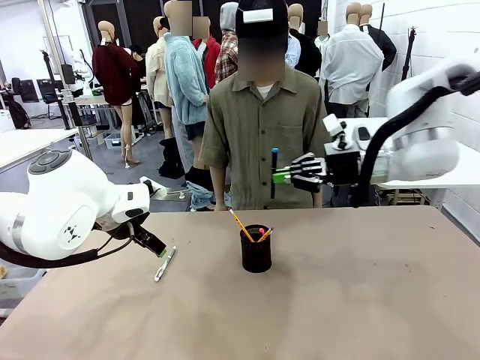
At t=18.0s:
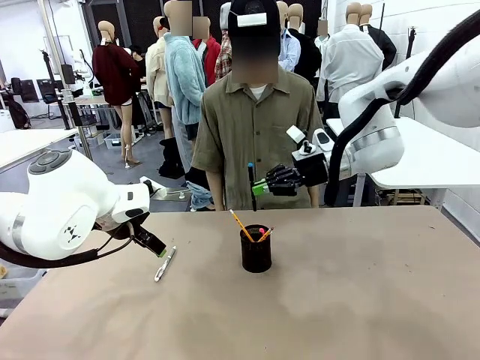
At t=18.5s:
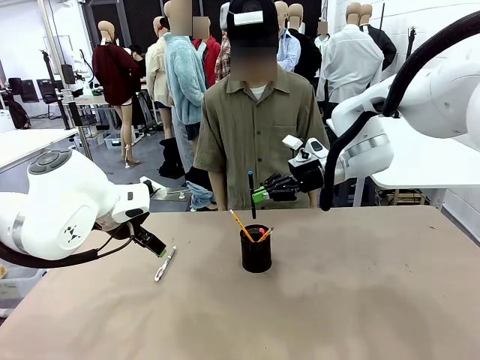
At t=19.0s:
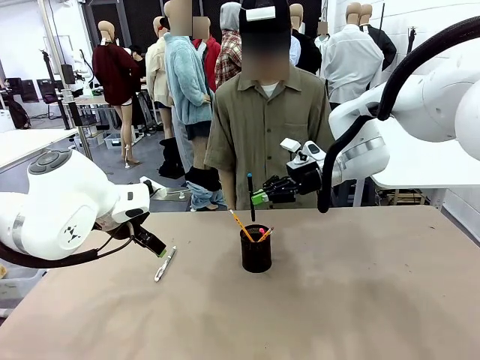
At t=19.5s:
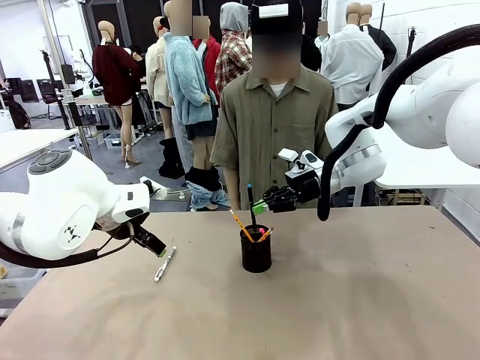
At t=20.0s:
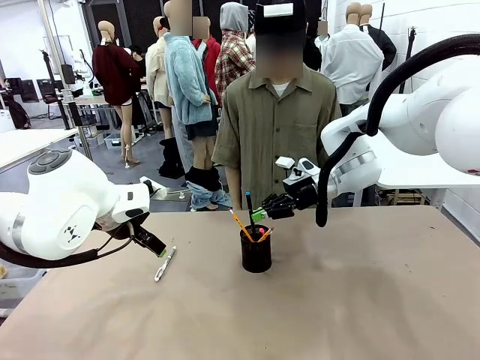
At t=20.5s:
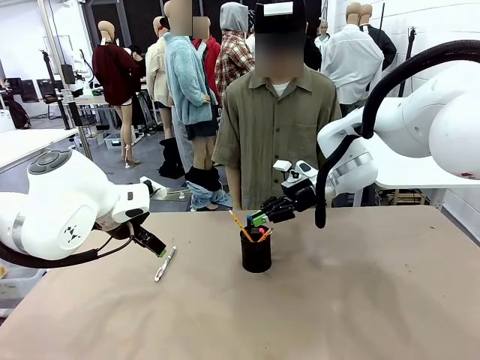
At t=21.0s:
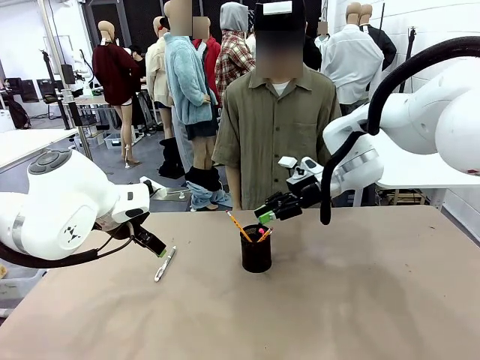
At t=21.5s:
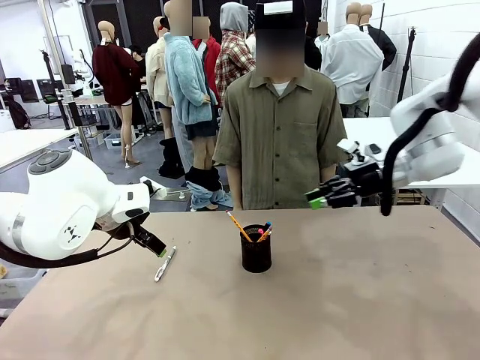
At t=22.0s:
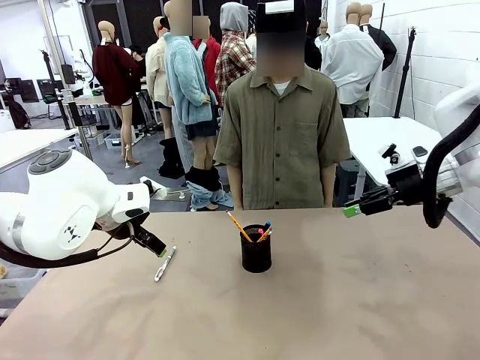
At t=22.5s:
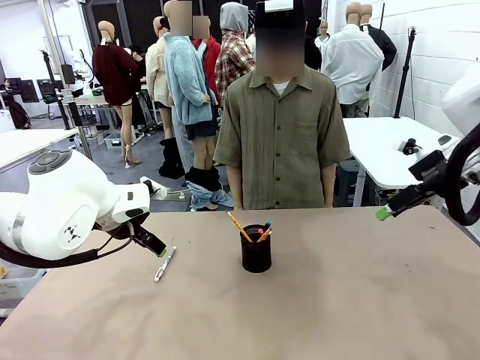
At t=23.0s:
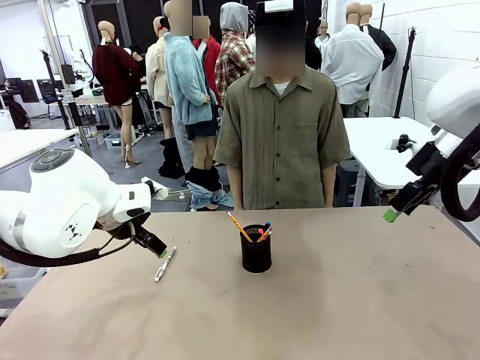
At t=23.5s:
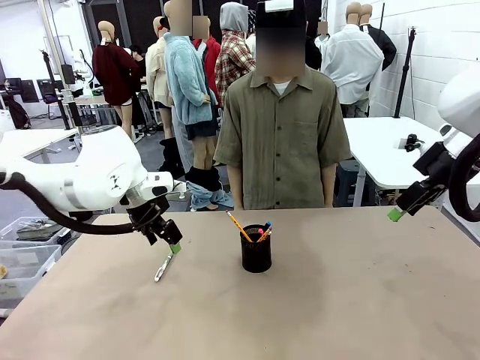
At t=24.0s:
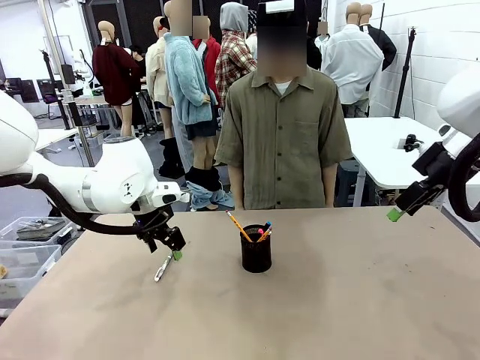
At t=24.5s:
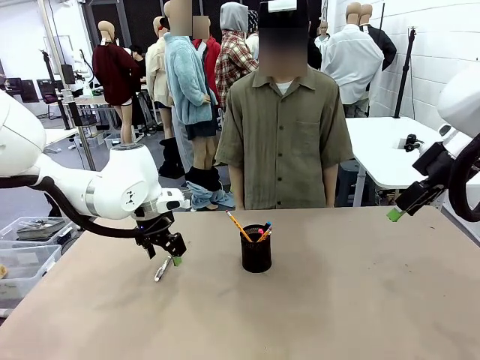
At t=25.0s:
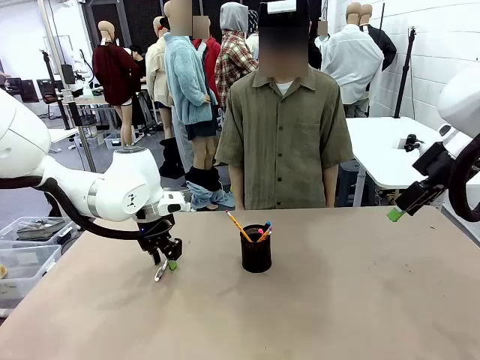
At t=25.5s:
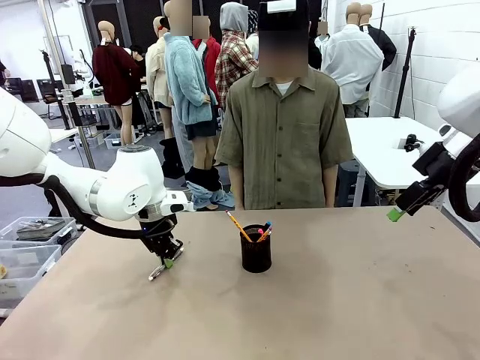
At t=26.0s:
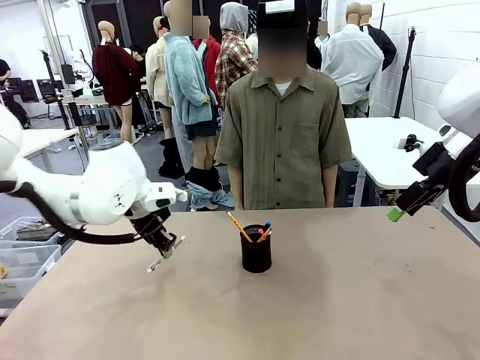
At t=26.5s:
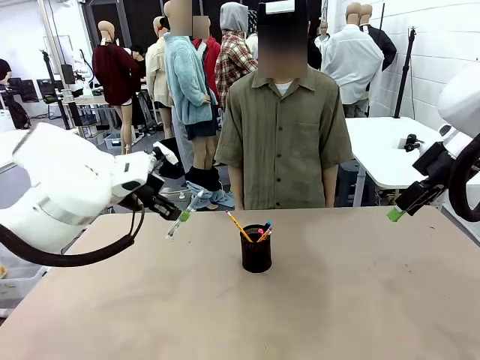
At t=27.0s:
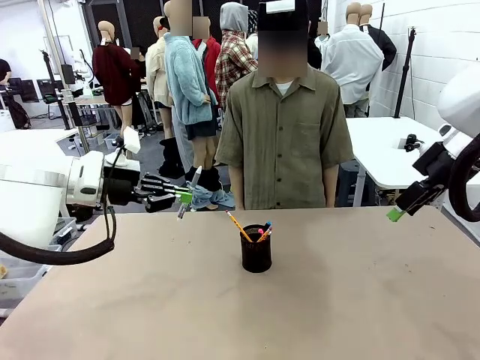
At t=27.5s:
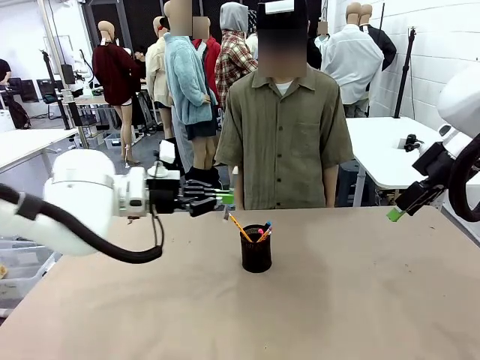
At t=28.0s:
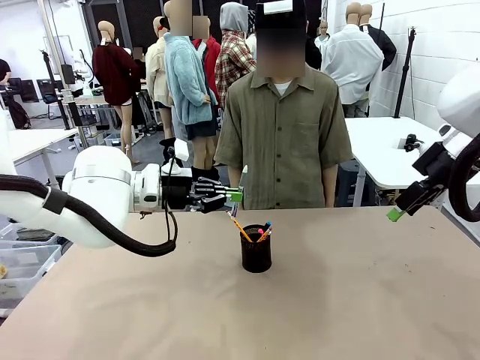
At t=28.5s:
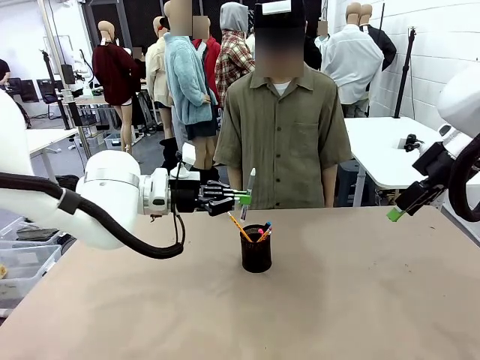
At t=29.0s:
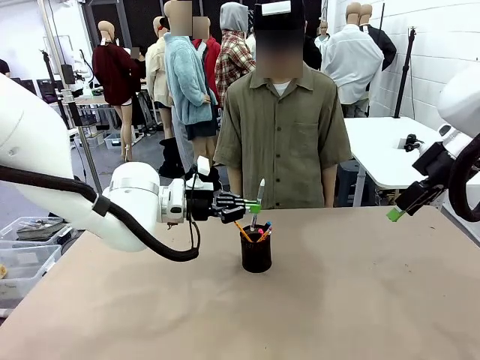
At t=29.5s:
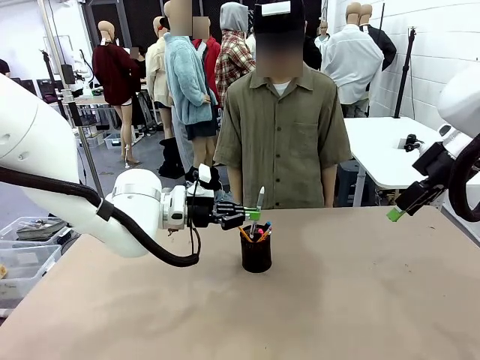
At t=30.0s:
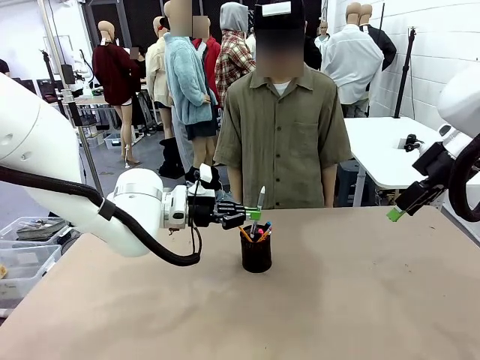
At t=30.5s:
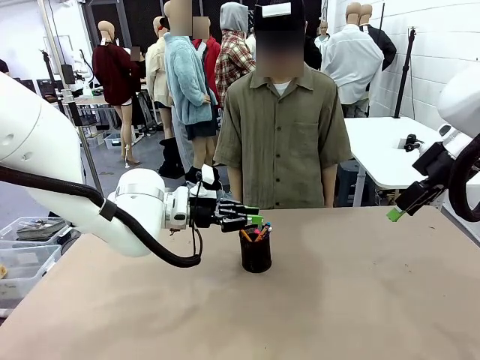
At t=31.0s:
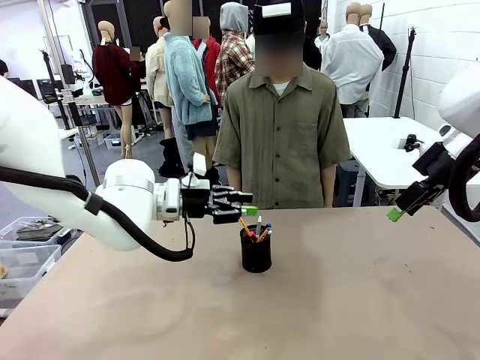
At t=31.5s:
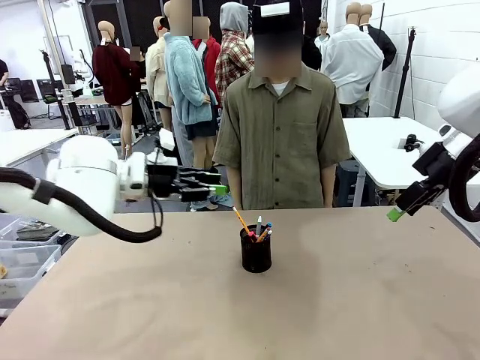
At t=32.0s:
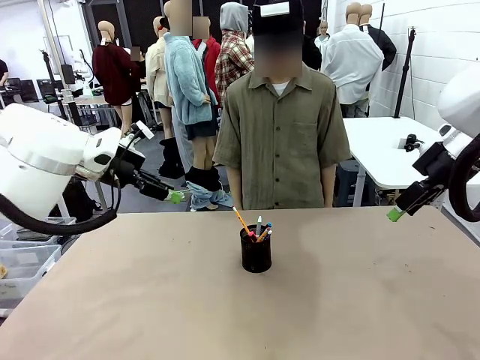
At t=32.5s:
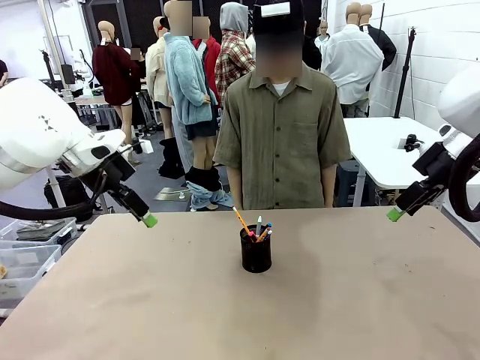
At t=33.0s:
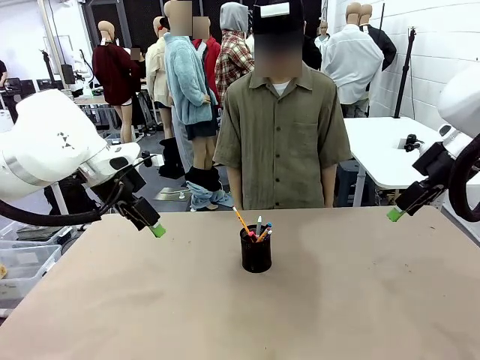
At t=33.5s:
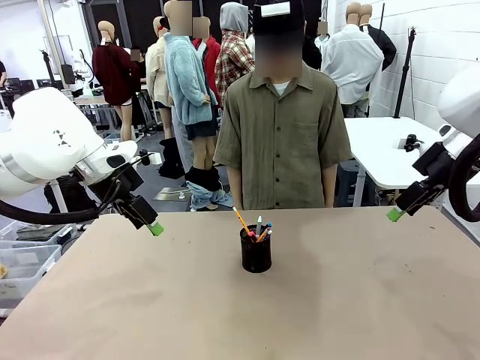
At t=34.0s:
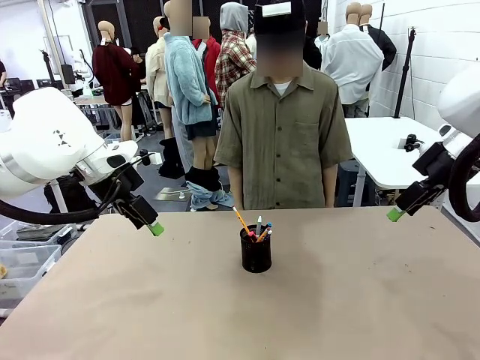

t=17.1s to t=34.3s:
Task: Place the pens into the pen holder.
Robot: Pick up a writing instrument from the table and place it into the Pen holder.
Person: Place all writing instrument into the Pen holder.
